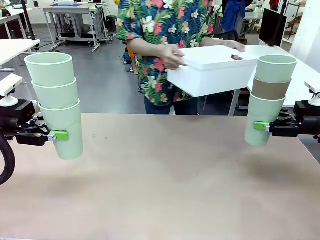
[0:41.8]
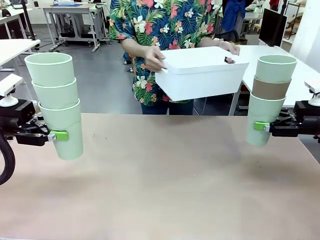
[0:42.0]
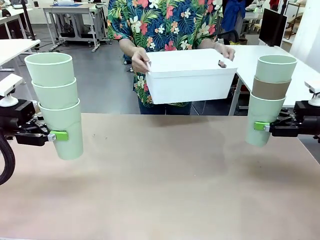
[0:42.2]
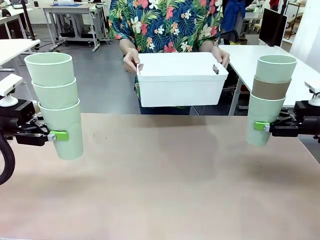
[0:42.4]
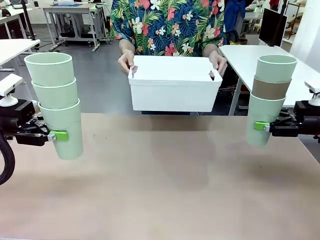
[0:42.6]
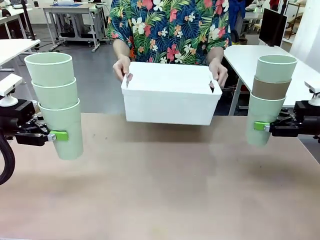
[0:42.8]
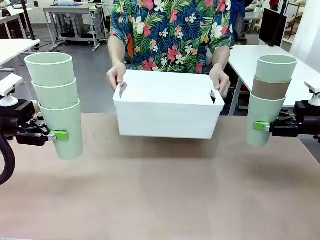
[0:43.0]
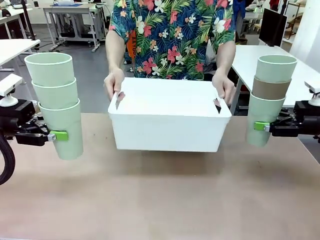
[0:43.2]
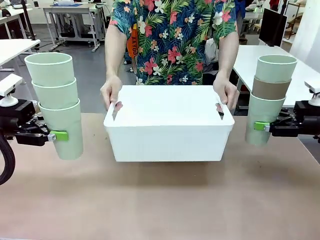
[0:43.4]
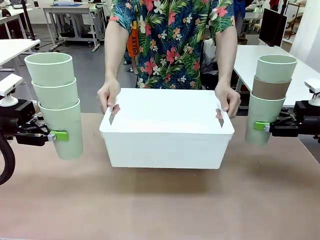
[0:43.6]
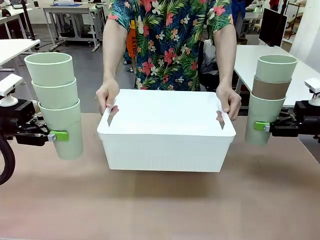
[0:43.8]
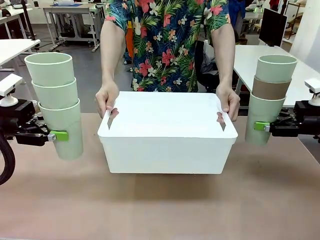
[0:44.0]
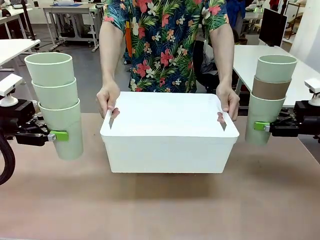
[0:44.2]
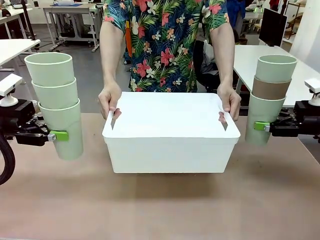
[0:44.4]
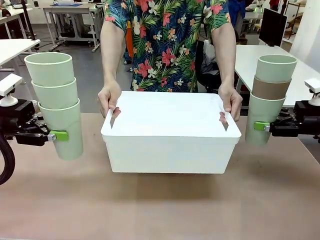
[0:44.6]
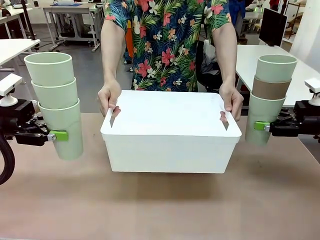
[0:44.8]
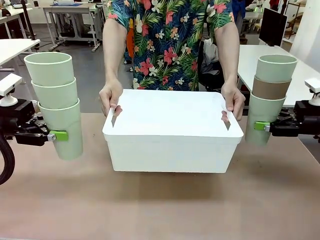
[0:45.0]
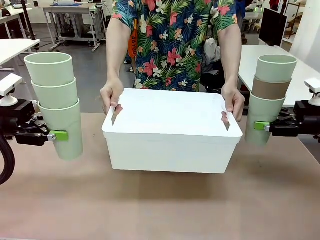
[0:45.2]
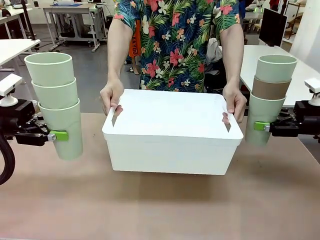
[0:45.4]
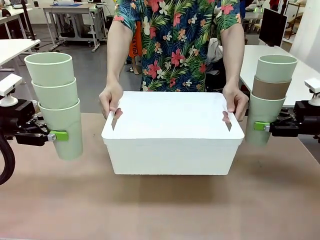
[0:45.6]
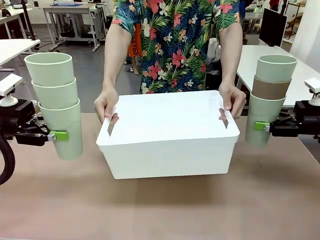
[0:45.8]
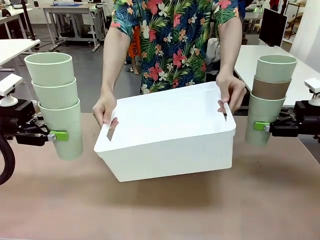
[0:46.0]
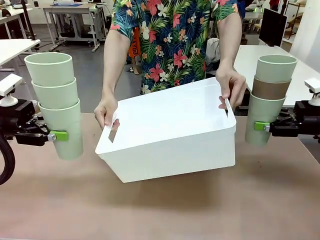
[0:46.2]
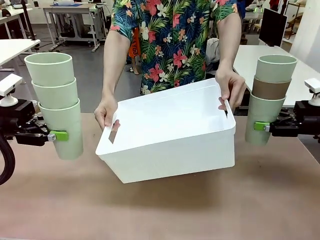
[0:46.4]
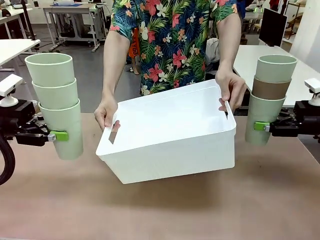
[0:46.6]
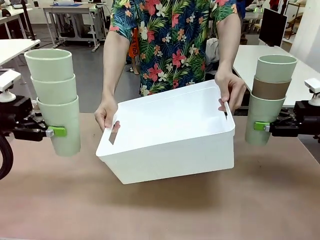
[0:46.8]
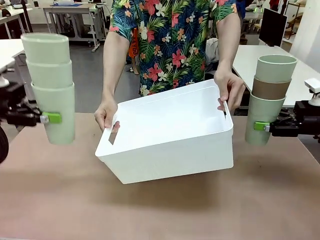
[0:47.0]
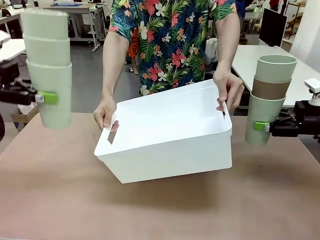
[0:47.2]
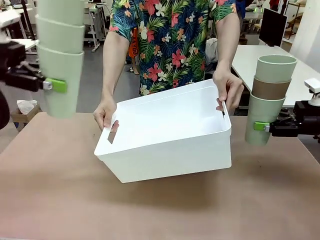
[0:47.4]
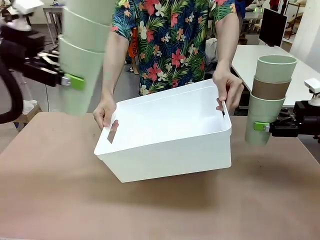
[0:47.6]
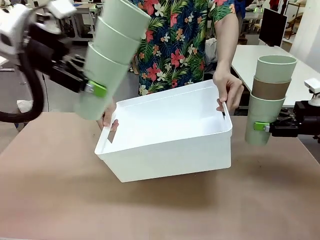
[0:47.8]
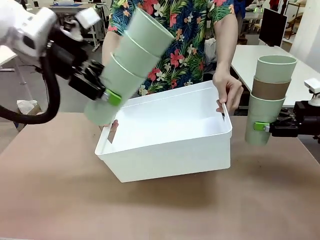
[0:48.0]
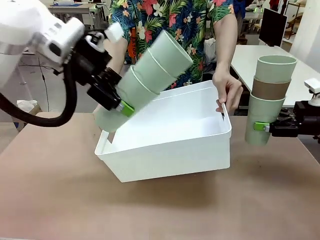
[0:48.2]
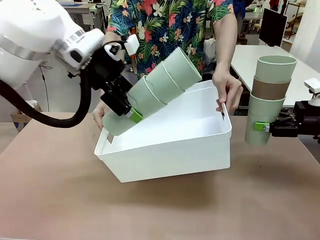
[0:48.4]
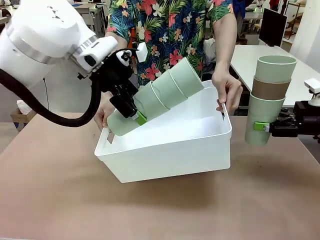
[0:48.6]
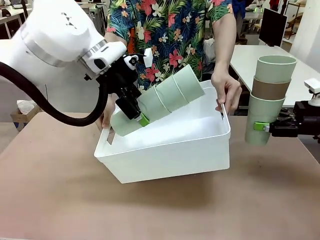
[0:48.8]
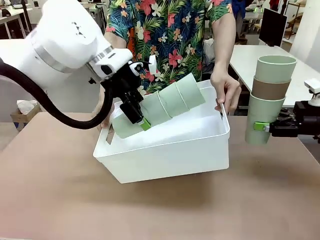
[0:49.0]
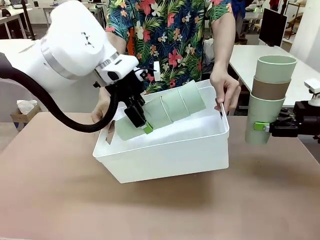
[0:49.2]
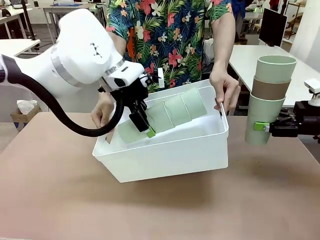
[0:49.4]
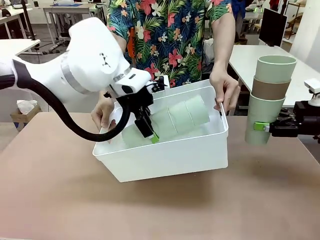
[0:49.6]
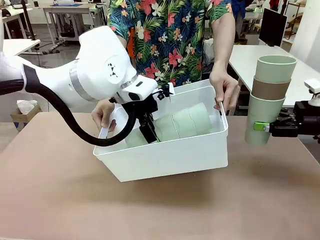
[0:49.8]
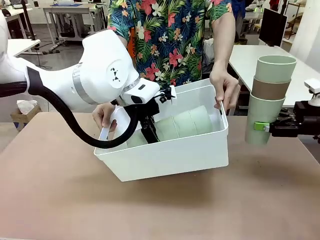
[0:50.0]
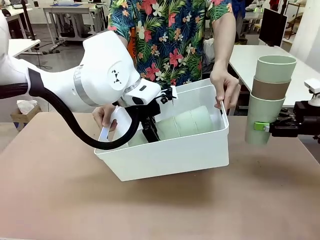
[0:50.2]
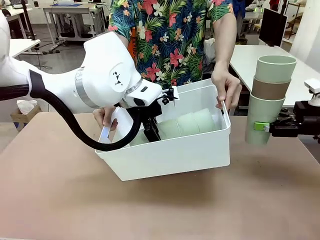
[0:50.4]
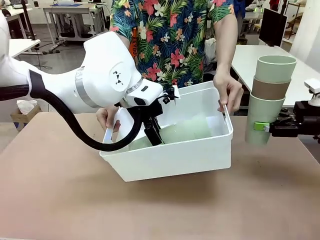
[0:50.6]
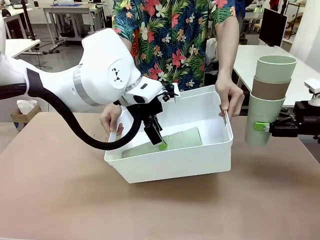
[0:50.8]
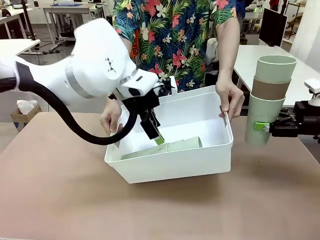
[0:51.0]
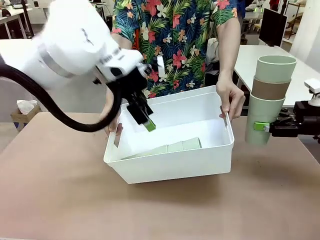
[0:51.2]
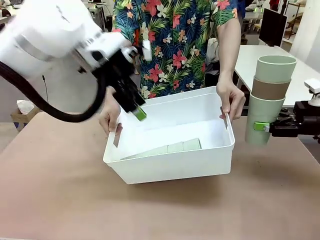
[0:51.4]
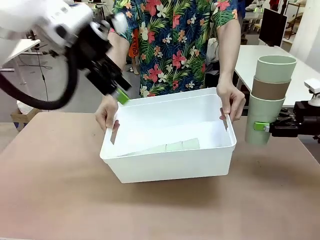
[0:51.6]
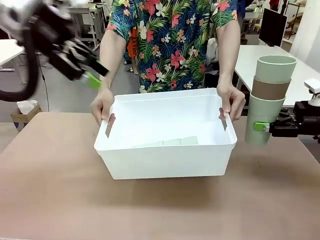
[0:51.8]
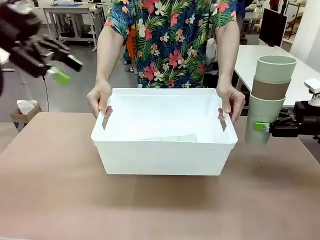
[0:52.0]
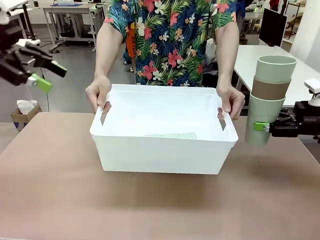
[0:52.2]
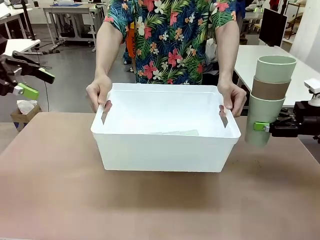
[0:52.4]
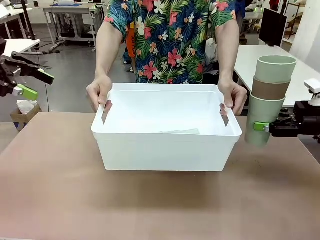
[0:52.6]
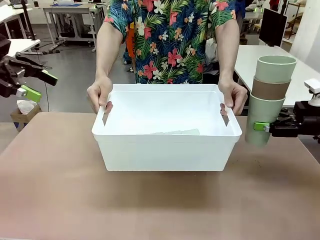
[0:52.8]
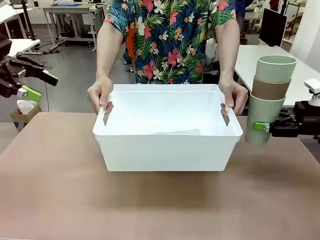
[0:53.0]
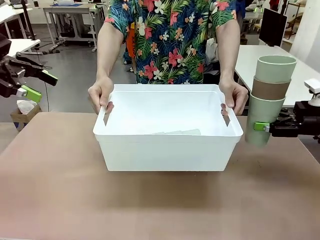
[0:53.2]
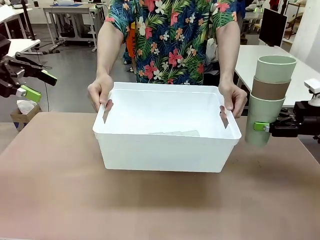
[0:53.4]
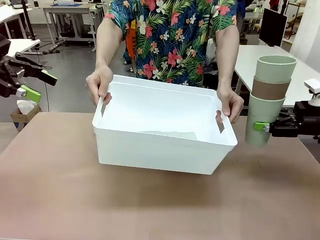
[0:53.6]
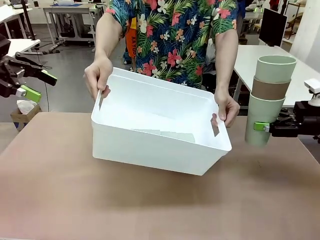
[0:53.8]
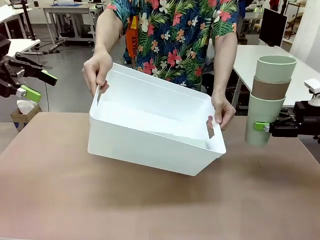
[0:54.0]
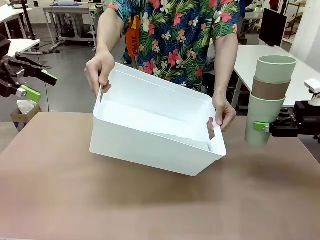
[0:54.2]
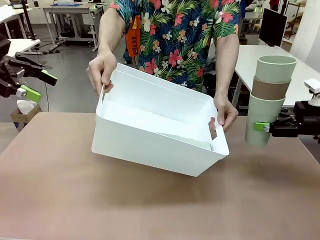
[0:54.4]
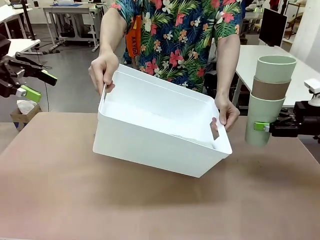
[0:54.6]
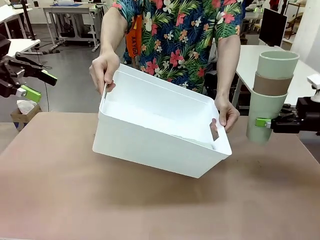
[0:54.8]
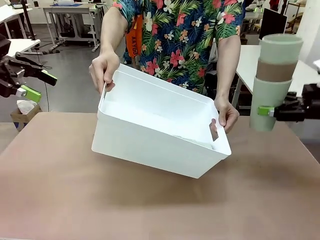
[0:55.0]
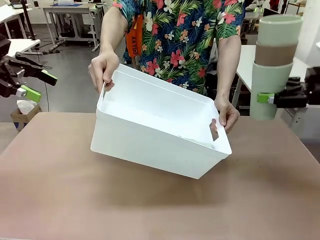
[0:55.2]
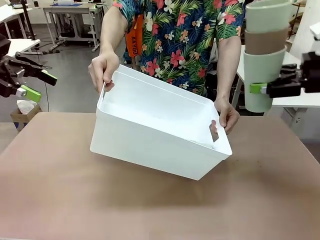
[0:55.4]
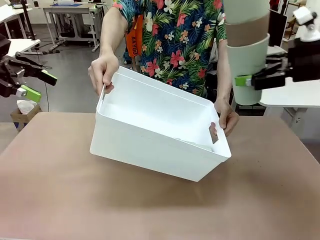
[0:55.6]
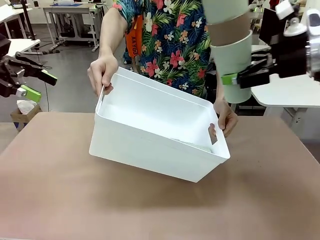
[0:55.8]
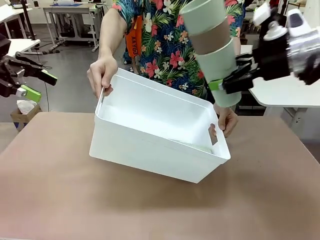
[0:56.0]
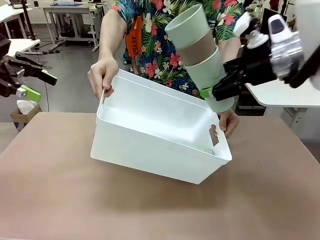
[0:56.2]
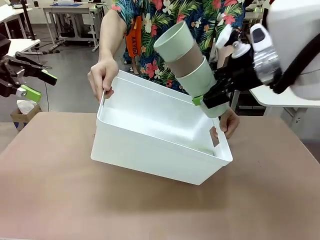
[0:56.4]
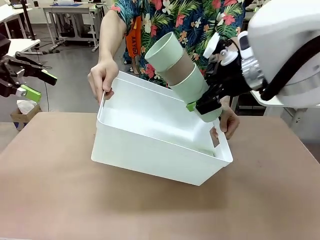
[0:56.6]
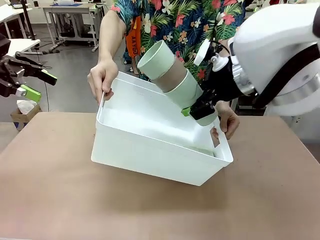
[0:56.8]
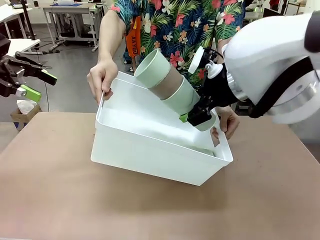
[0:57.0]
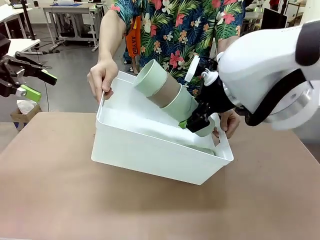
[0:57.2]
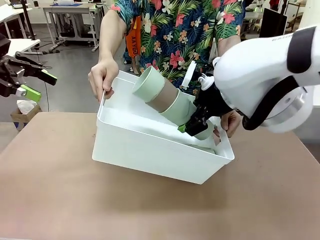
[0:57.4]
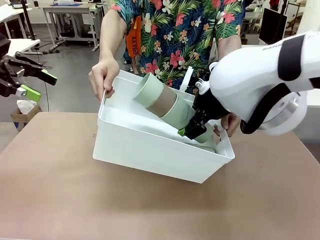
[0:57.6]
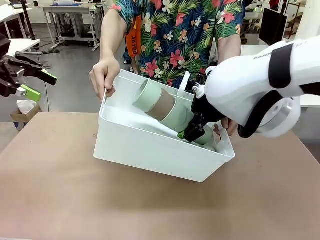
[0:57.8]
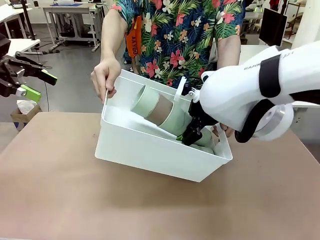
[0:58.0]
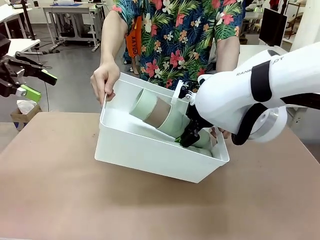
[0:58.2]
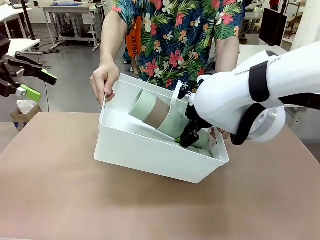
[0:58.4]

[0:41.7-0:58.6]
Task: Stack the cups and store them in the basket.
Robot: Place the stack of Reusable plastic cups into the Pantry Basket.
